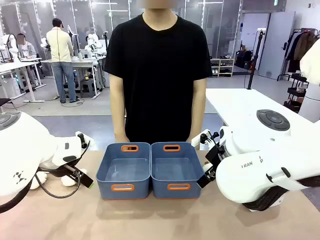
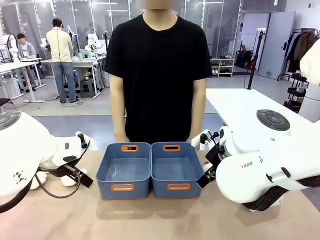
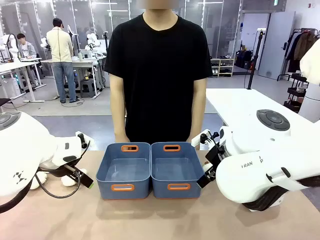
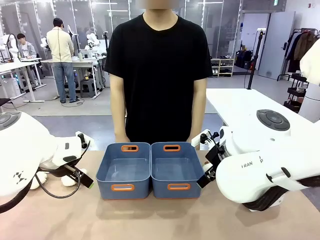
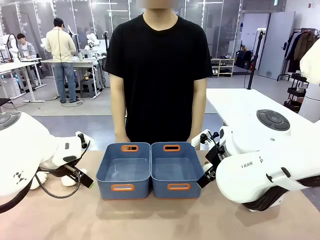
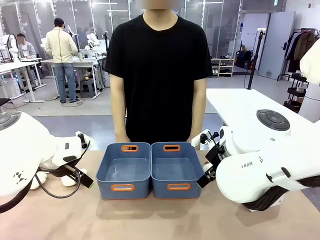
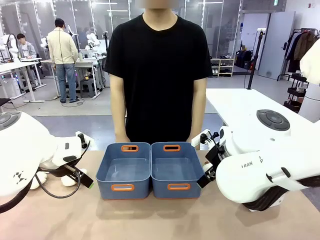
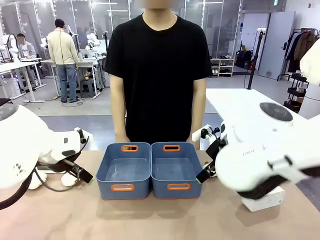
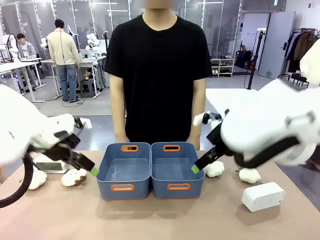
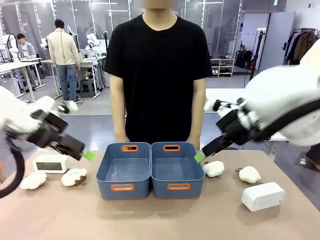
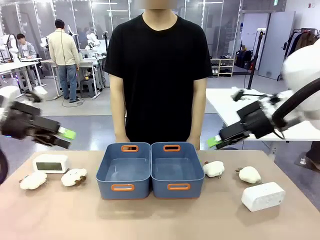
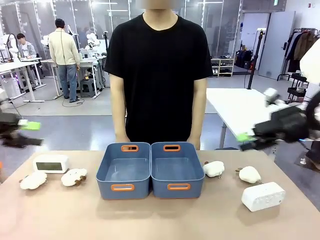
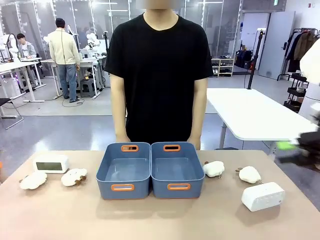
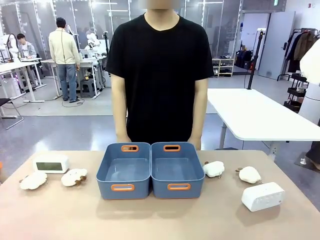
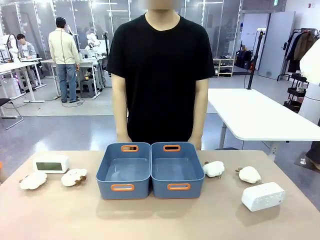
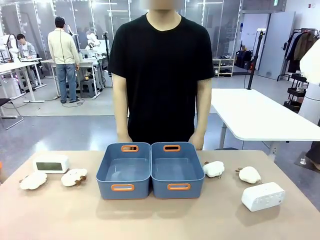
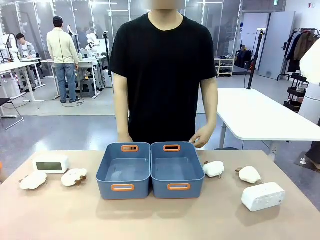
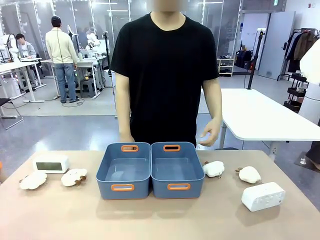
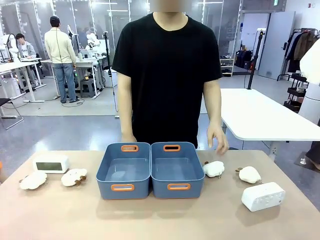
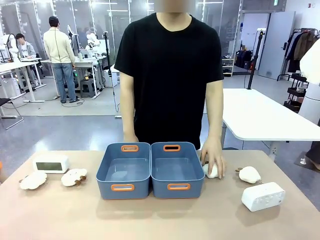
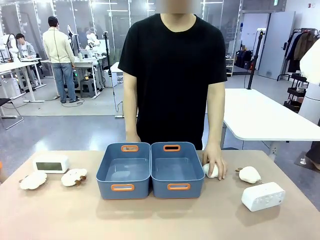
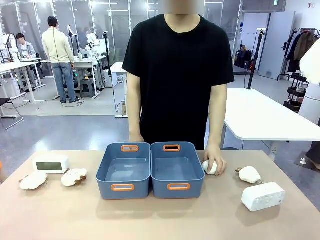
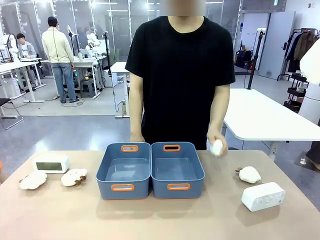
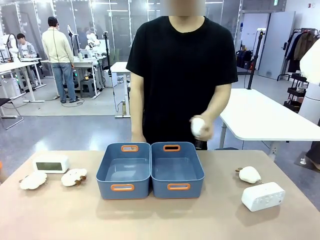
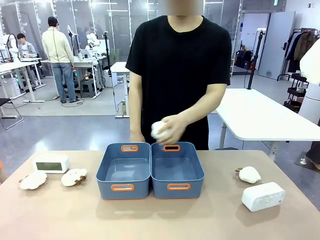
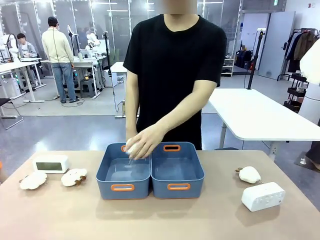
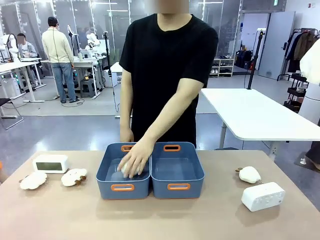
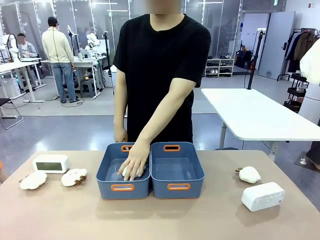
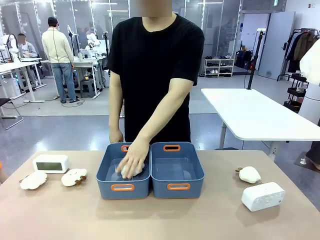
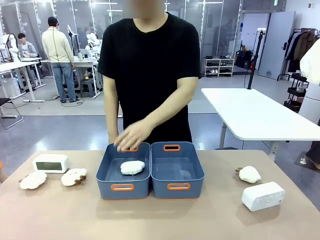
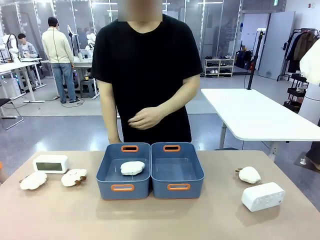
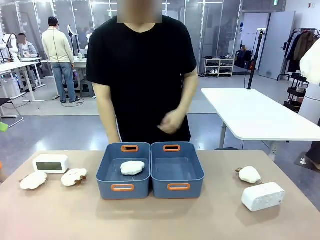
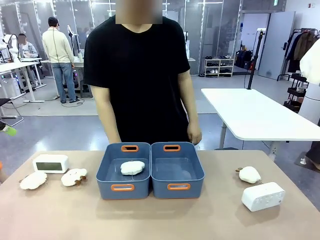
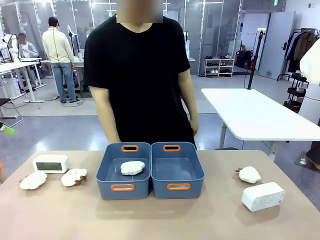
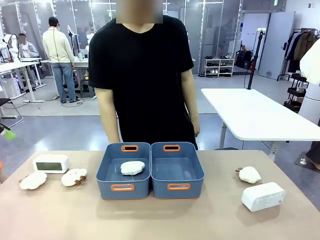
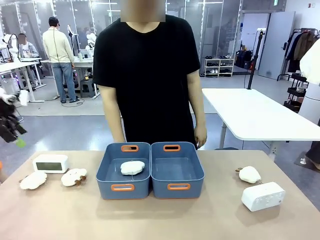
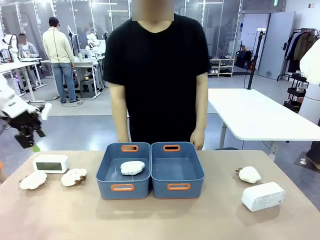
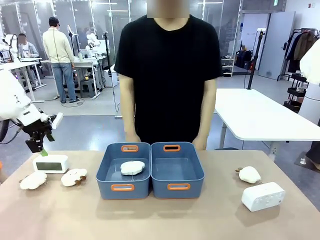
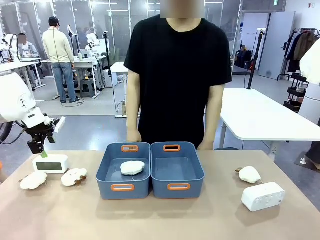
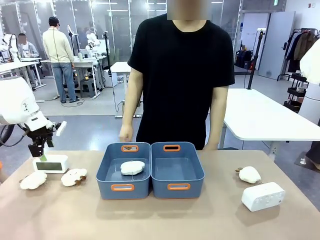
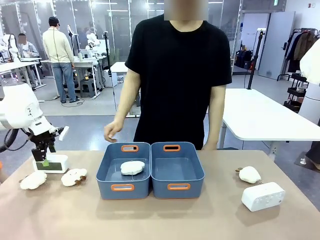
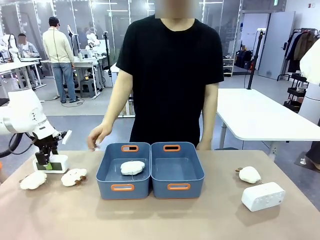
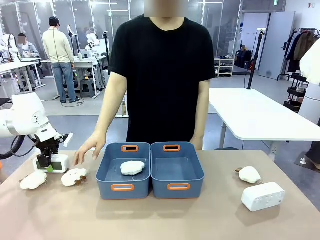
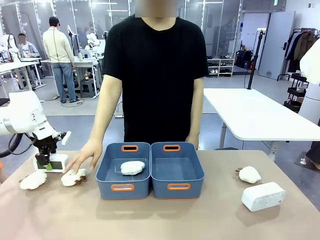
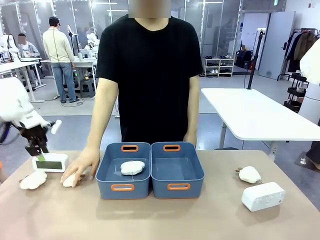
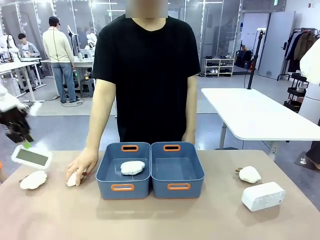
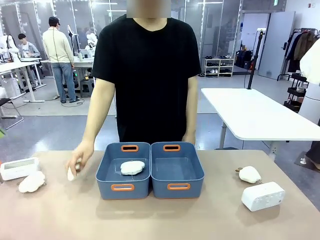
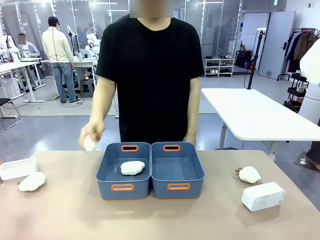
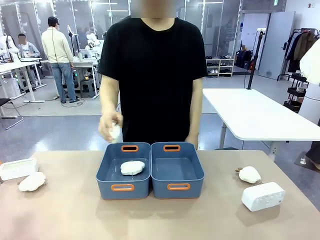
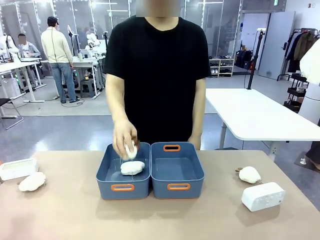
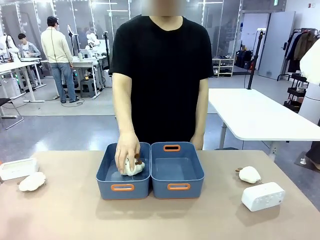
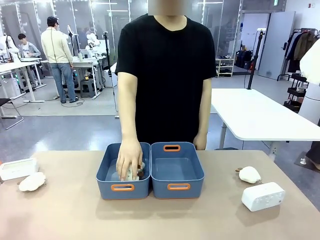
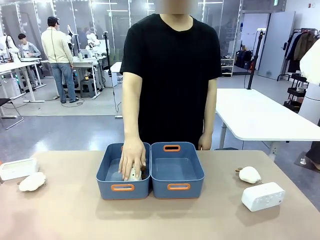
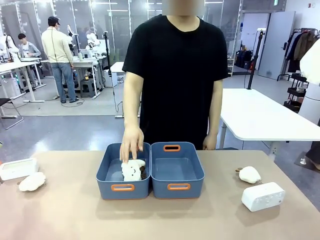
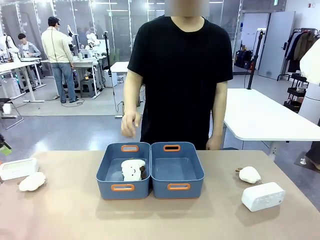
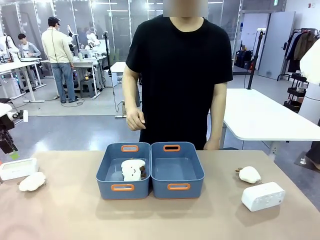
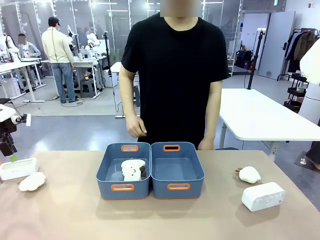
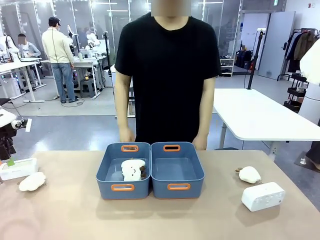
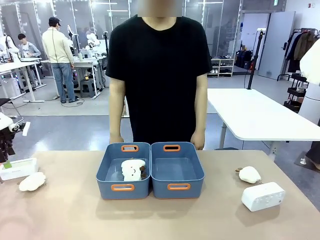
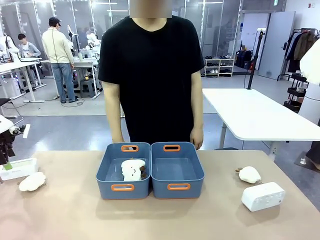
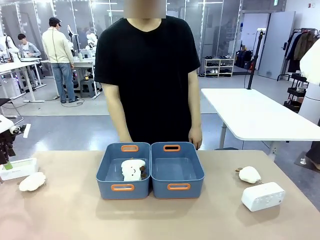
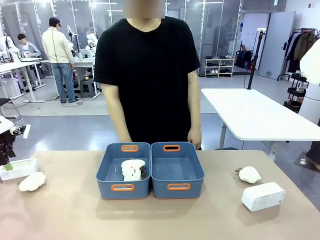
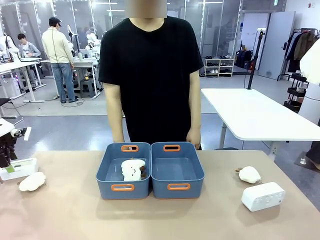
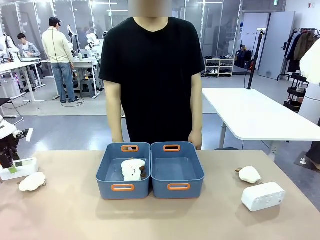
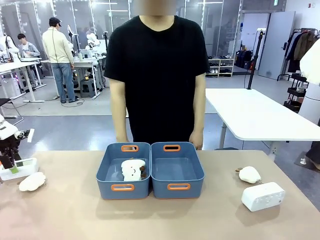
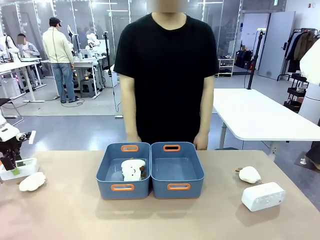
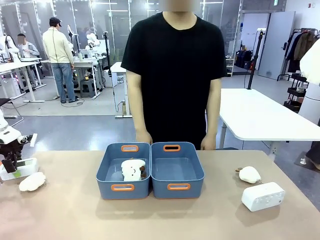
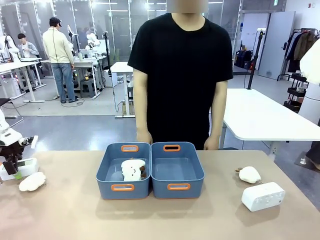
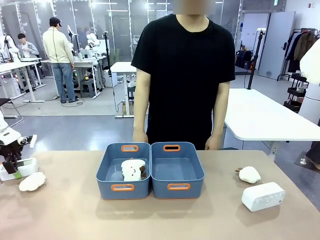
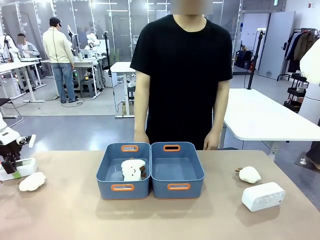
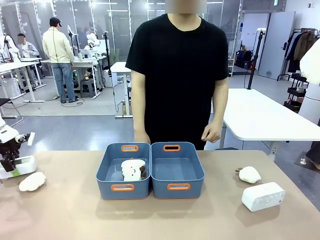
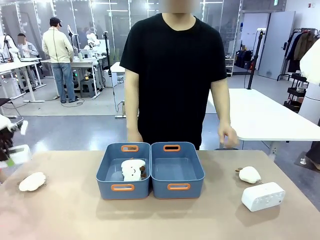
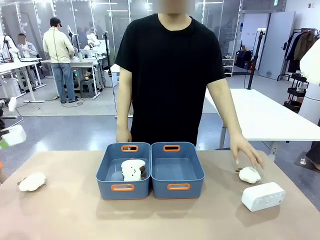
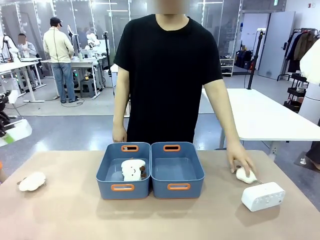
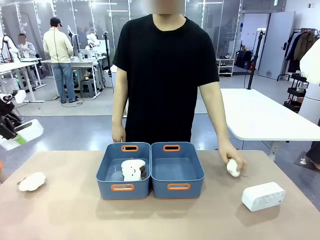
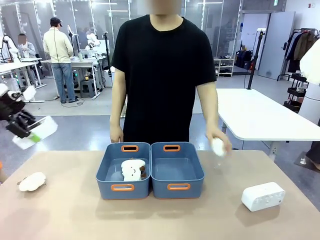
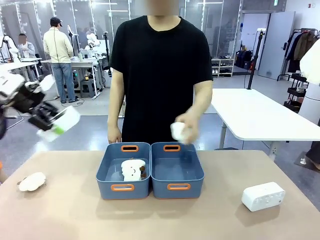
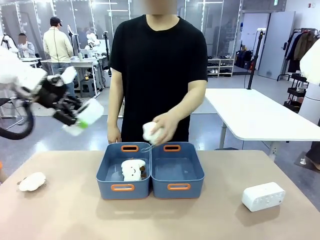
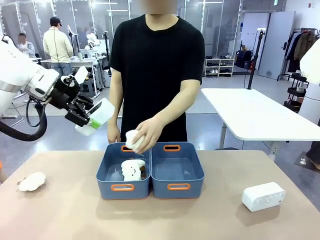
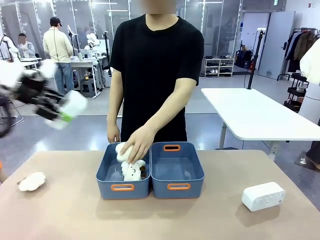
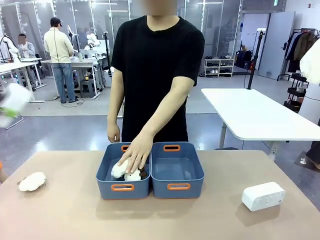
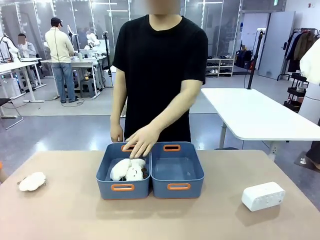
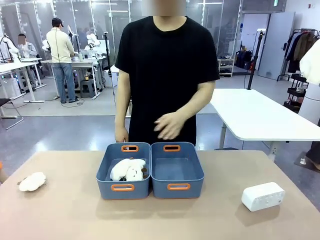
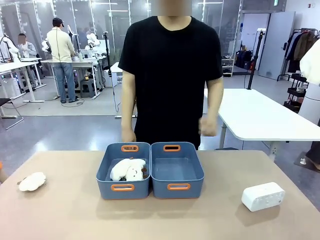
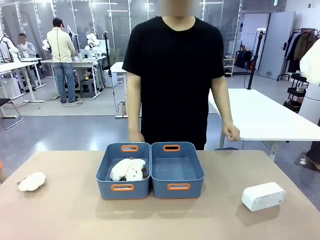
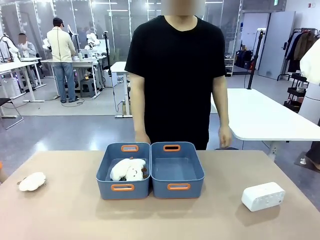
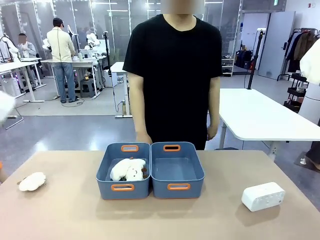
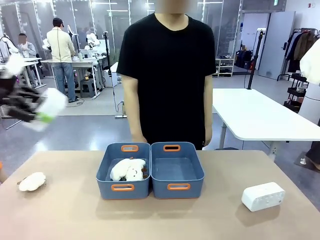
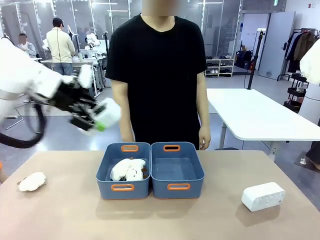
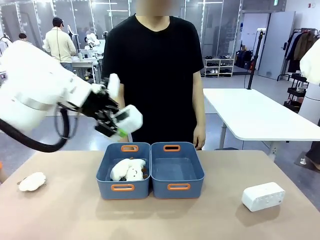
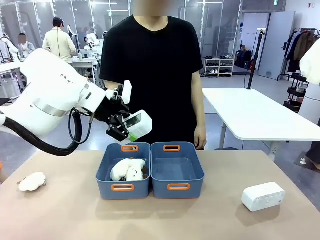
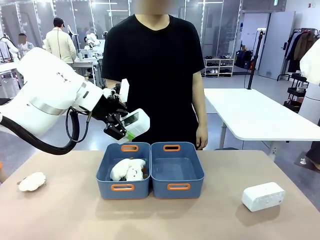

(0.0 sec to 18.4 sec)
Task: Sort the digital clocks into the basket.
Robot: Pick up the Digital clock from the table and place it into the empty Plastic storage basket.
Person: Pick up a plush toy from the table and place it in a plastic storage basket.
